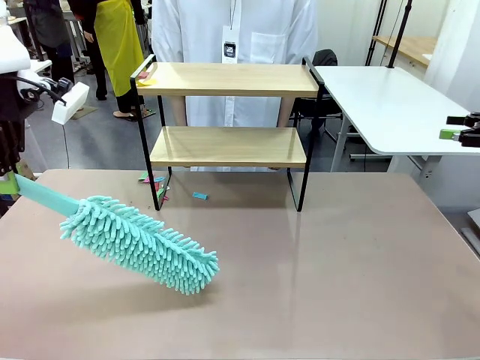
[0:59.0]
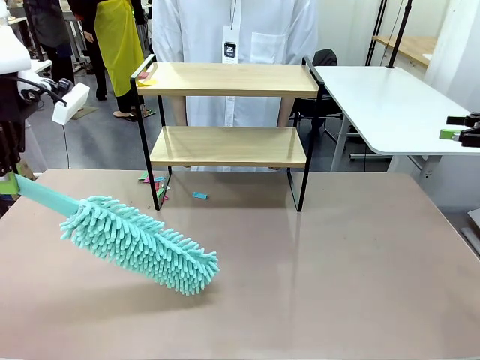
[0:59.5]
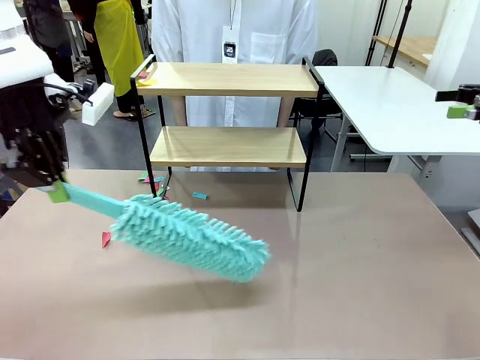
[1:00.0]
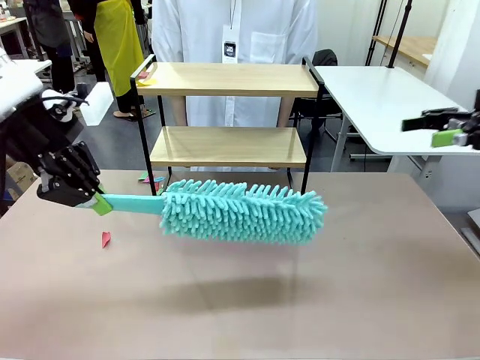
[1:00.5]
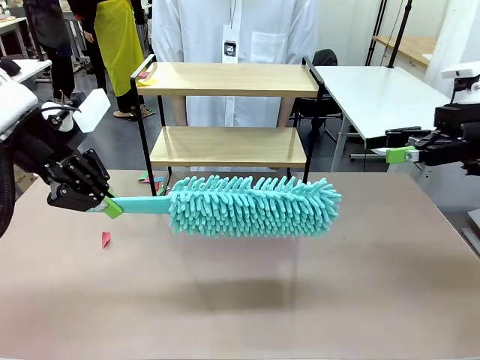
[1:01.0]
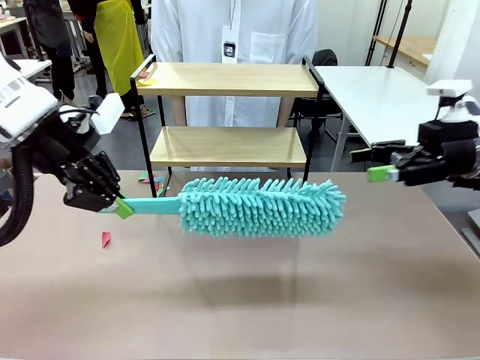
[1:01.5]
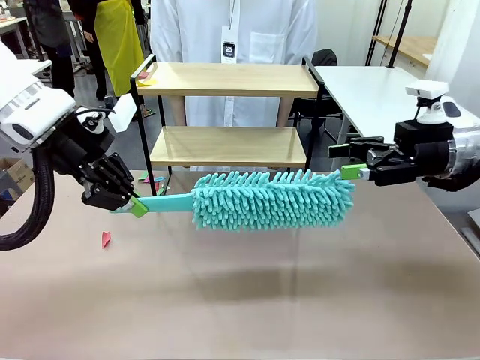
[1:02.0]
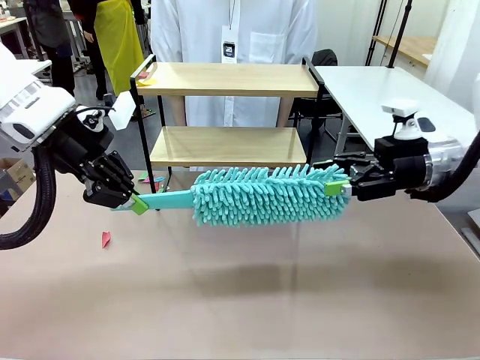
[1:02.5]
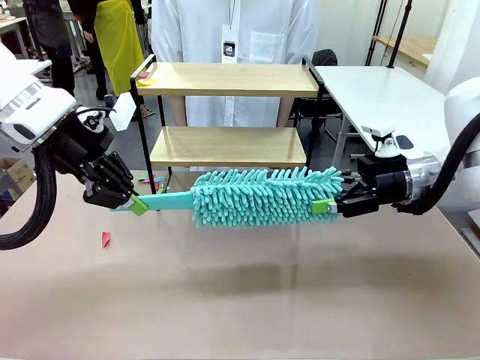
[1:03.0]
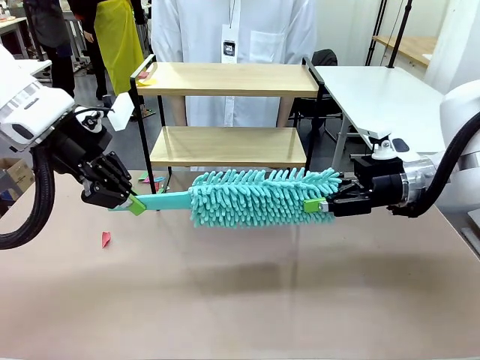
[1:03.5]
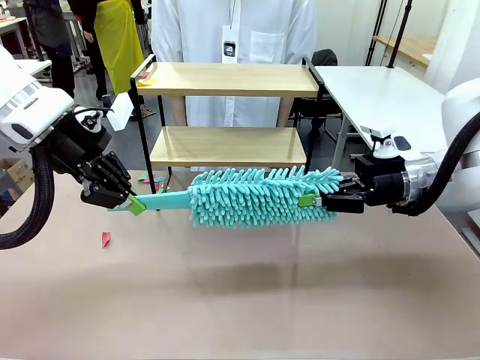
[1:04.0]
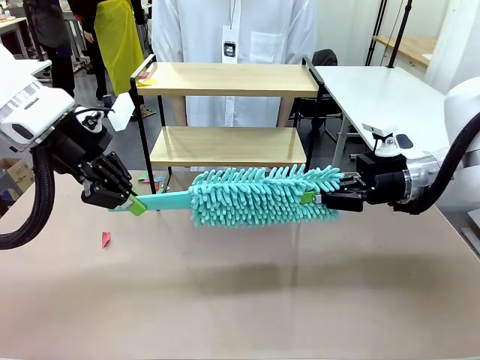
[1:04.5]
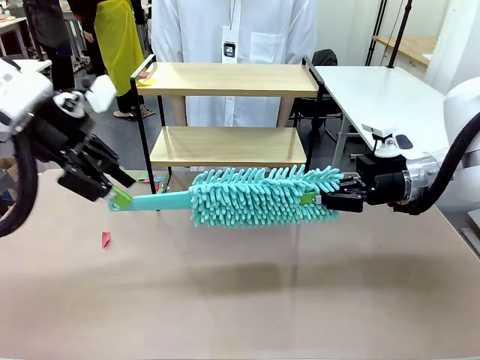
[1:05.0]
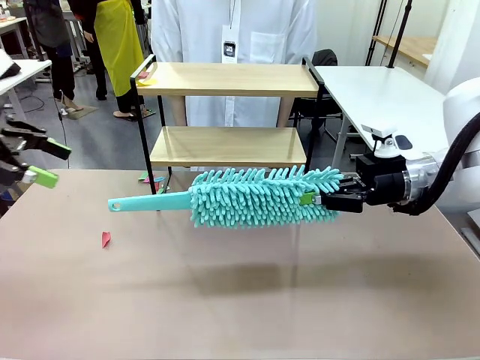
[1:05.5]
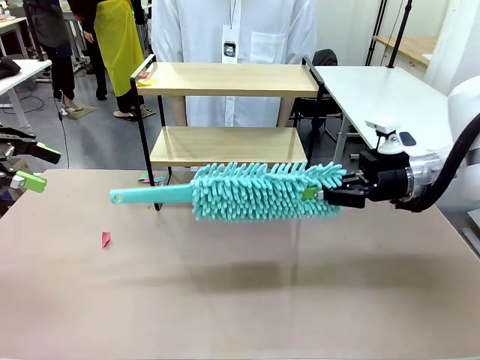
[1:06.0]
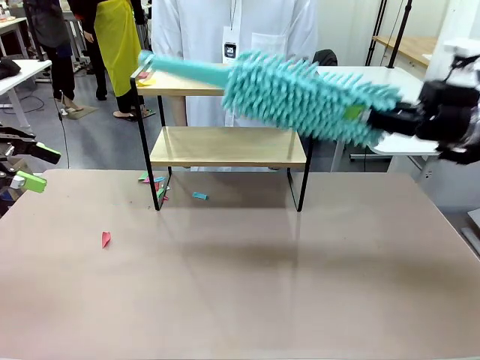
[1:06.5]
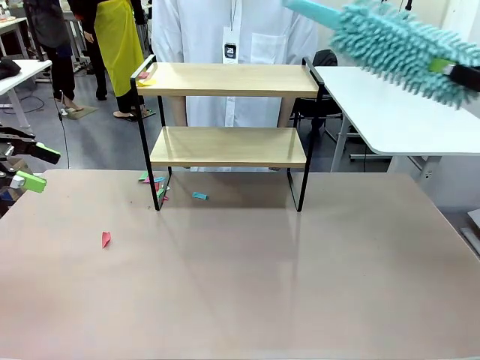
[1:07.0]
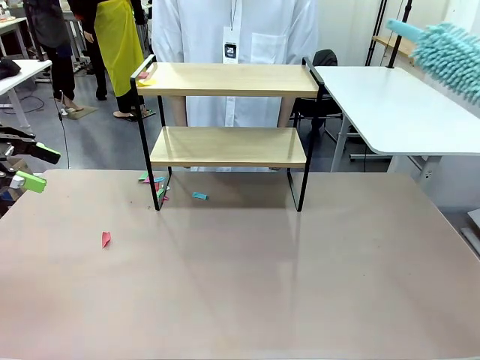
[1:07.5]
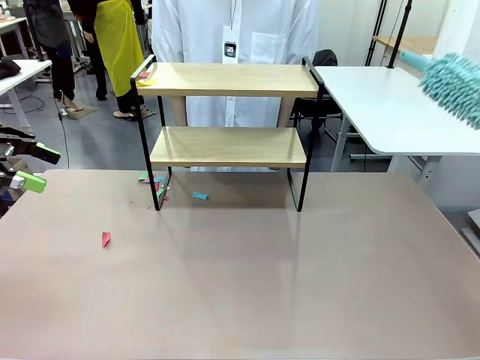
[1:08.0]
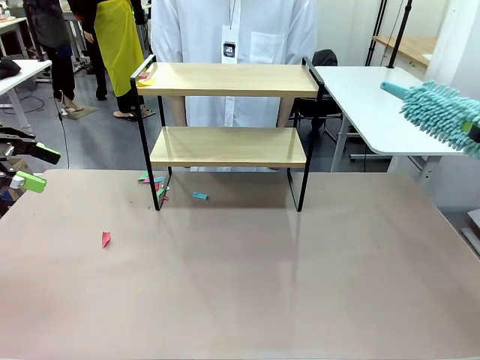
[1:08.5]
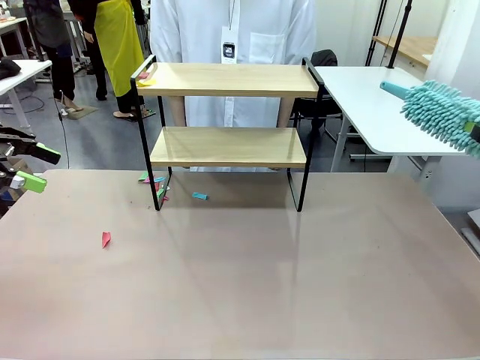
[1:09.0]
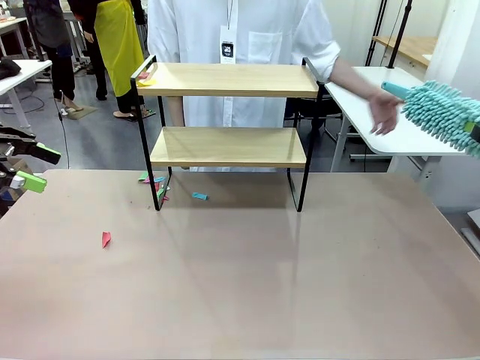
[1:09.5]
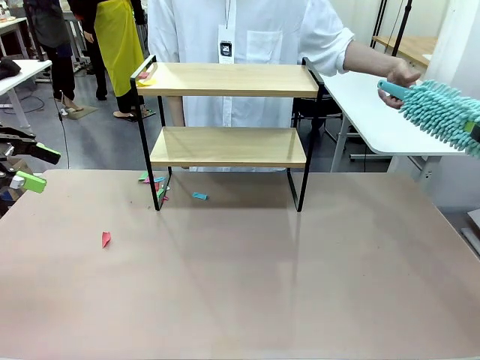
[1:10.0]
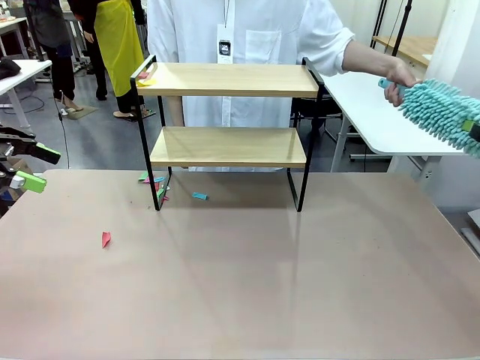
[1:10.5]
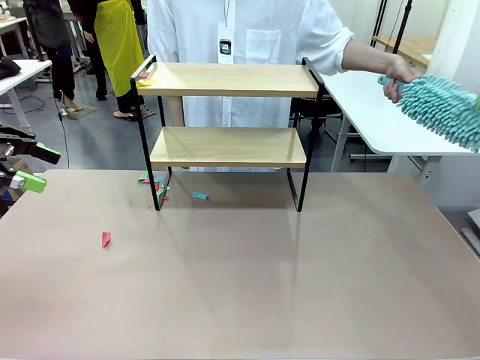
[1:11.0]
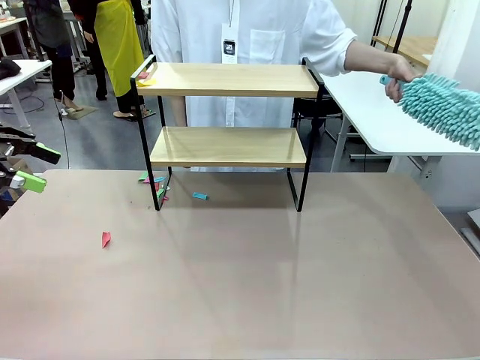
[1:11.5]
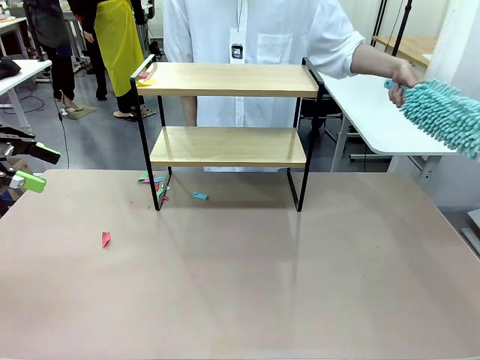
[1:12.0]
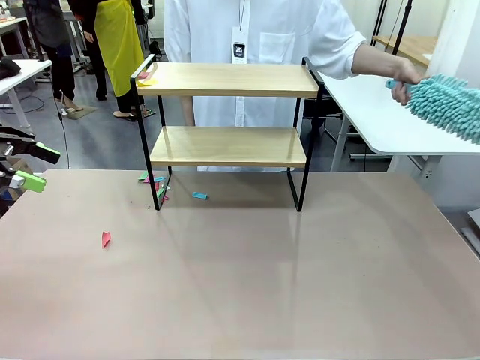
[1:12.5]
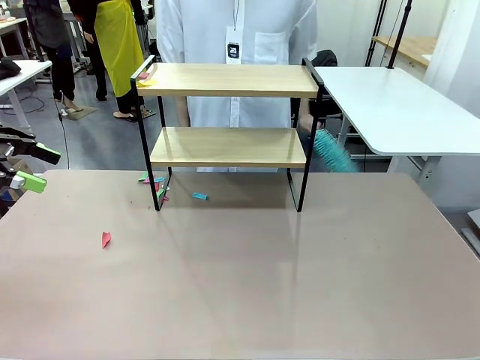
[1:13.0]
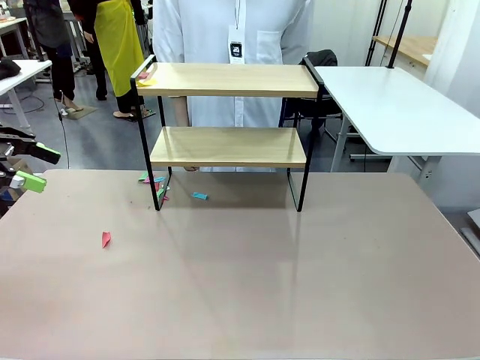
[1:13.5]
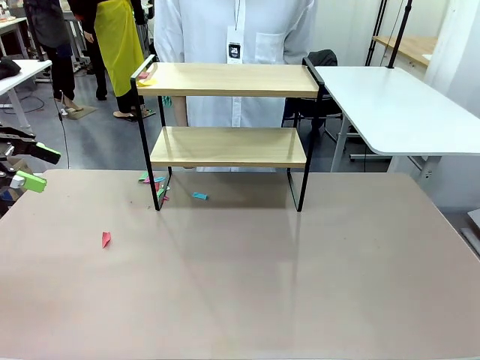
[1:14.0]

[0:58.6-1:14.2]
Task: Clean the shelf.
Robot: Hand the Duster back to the human.
Person: Receive the Duster from the robot.
